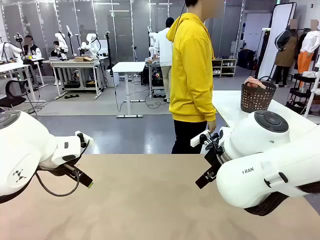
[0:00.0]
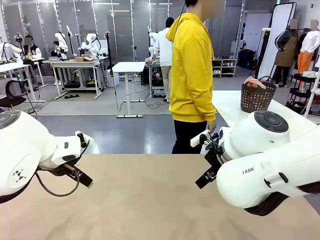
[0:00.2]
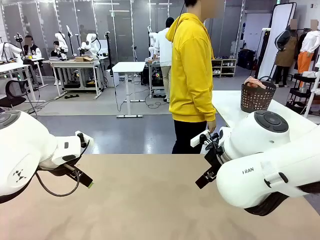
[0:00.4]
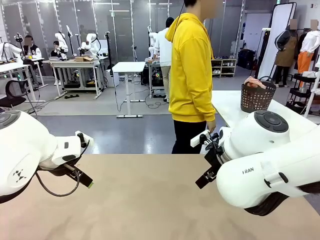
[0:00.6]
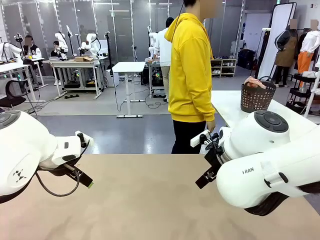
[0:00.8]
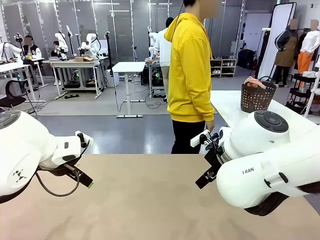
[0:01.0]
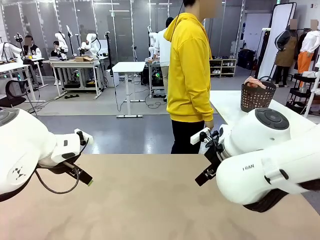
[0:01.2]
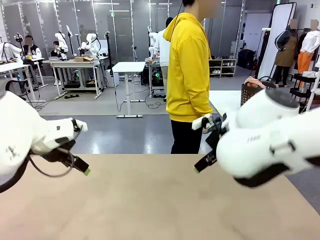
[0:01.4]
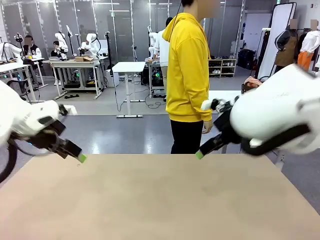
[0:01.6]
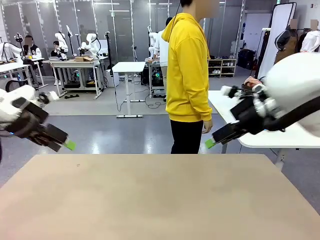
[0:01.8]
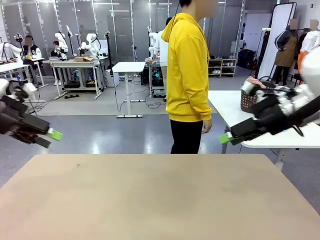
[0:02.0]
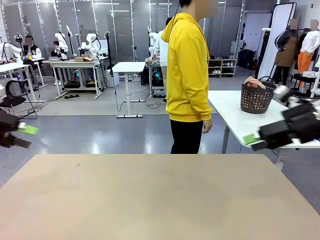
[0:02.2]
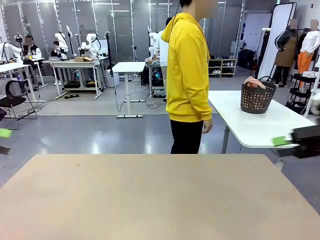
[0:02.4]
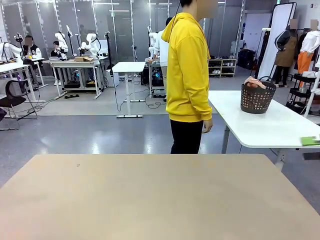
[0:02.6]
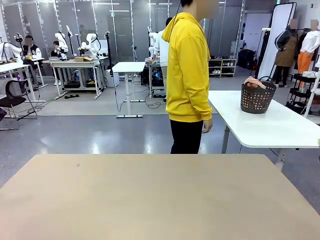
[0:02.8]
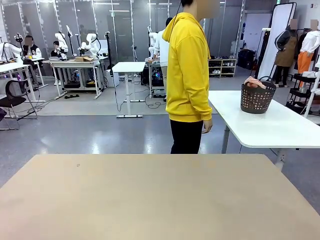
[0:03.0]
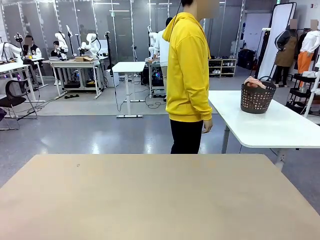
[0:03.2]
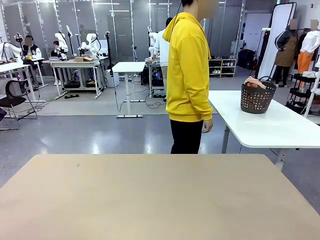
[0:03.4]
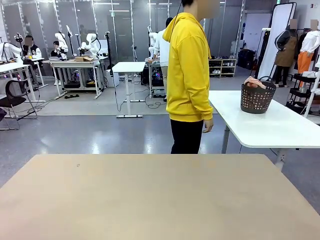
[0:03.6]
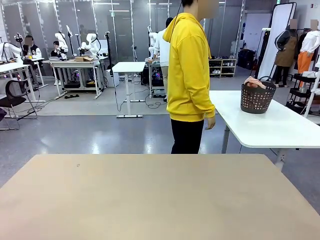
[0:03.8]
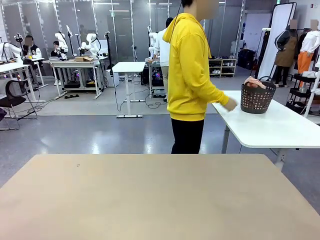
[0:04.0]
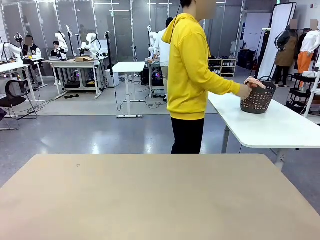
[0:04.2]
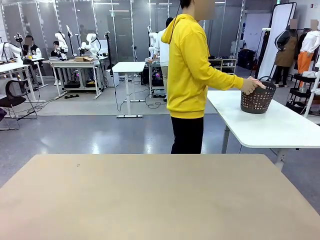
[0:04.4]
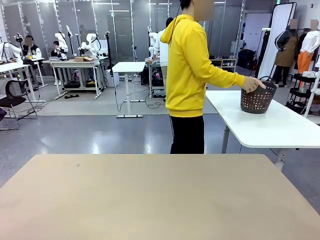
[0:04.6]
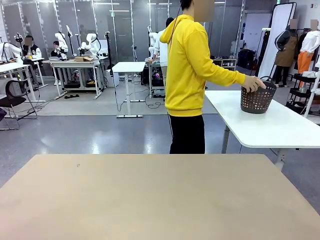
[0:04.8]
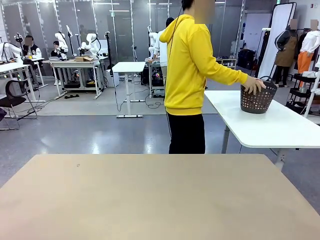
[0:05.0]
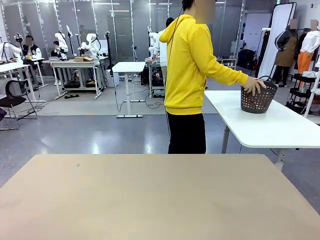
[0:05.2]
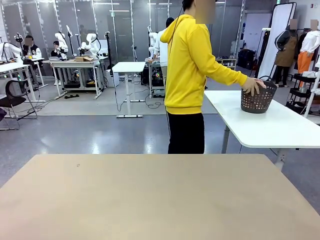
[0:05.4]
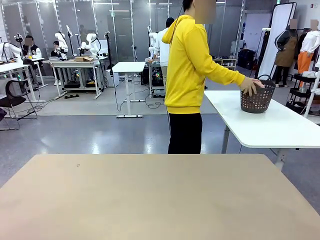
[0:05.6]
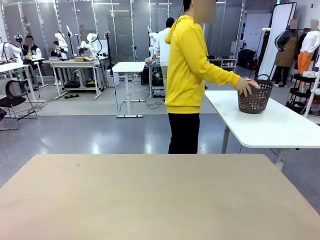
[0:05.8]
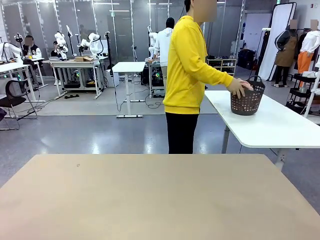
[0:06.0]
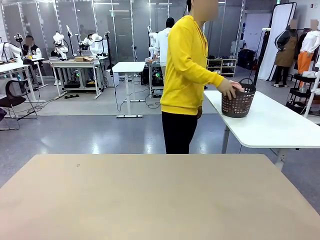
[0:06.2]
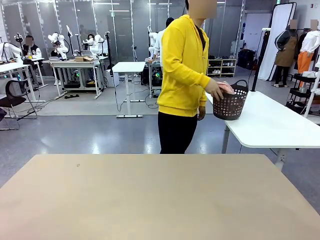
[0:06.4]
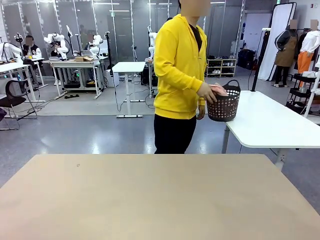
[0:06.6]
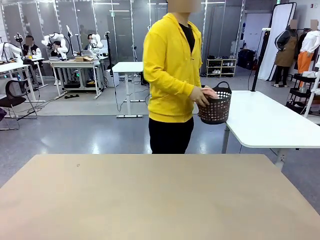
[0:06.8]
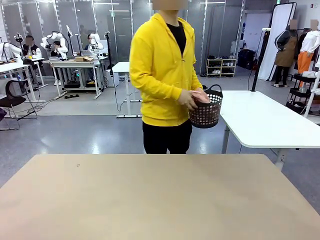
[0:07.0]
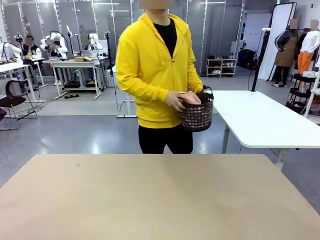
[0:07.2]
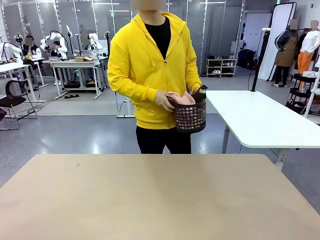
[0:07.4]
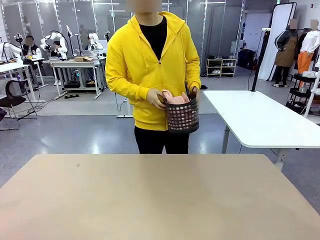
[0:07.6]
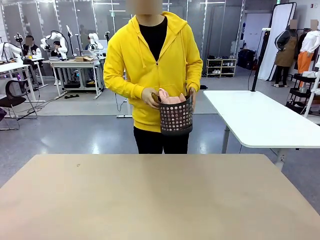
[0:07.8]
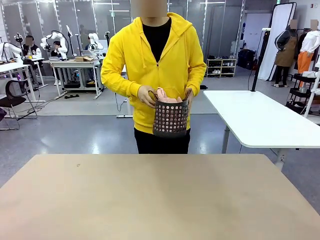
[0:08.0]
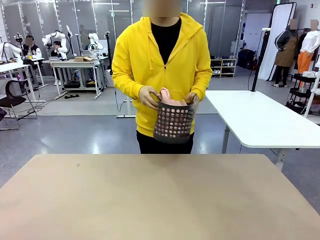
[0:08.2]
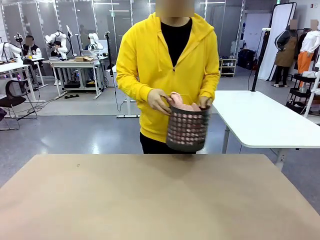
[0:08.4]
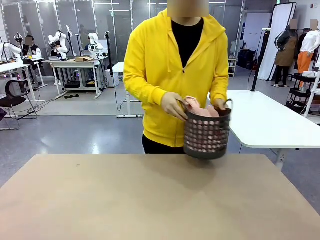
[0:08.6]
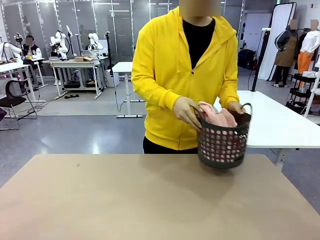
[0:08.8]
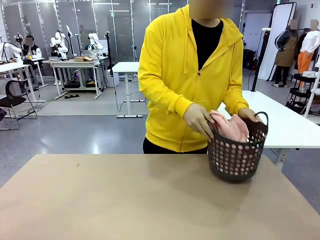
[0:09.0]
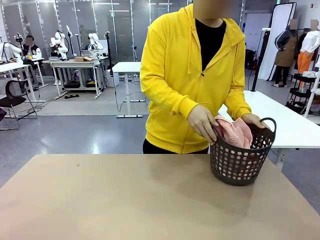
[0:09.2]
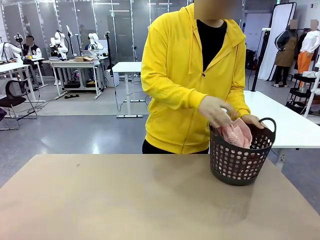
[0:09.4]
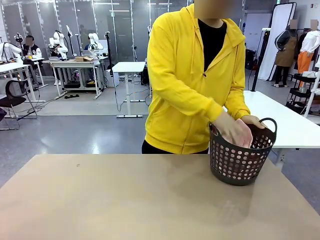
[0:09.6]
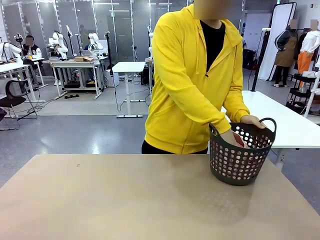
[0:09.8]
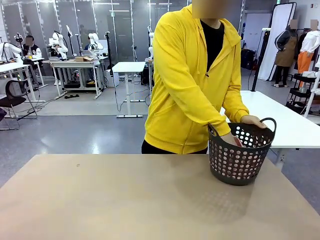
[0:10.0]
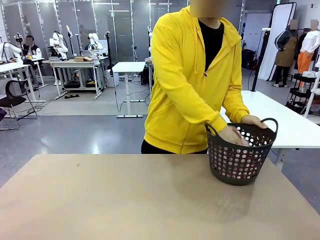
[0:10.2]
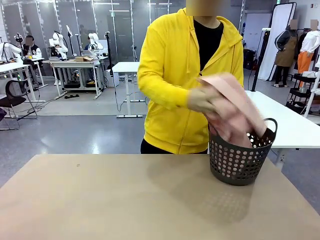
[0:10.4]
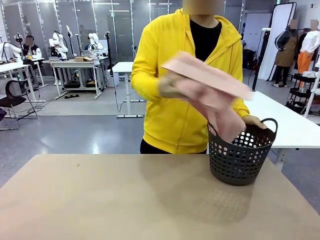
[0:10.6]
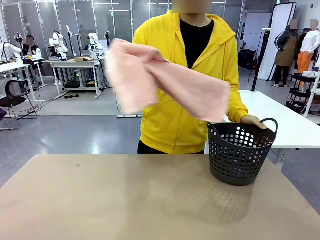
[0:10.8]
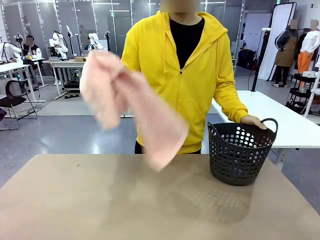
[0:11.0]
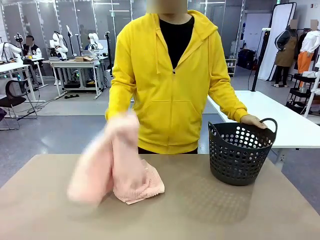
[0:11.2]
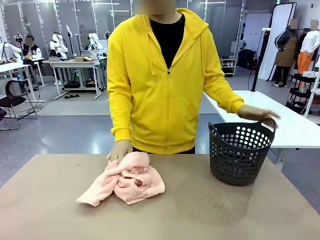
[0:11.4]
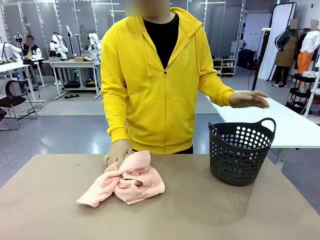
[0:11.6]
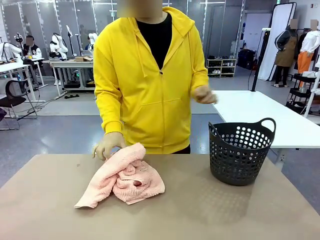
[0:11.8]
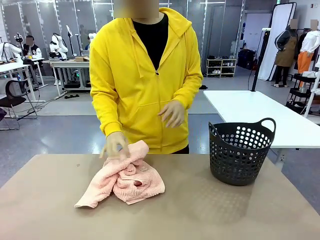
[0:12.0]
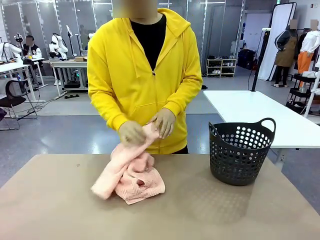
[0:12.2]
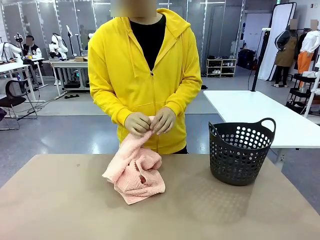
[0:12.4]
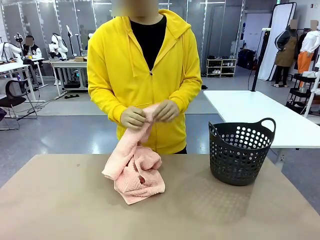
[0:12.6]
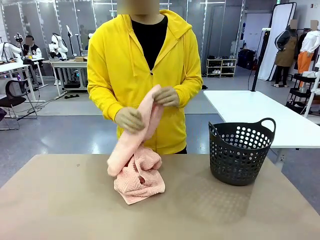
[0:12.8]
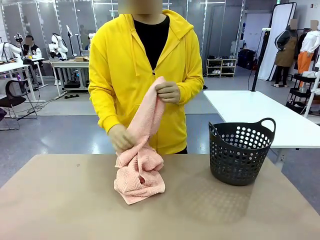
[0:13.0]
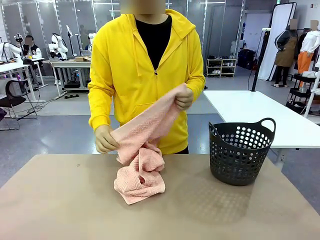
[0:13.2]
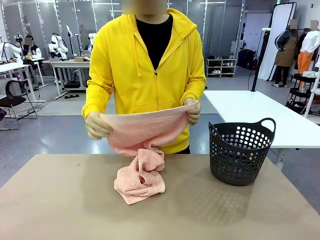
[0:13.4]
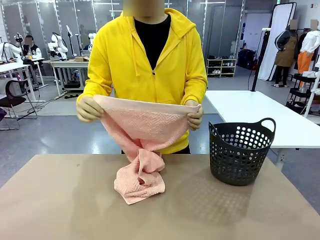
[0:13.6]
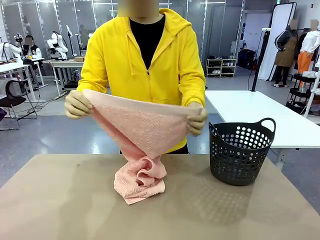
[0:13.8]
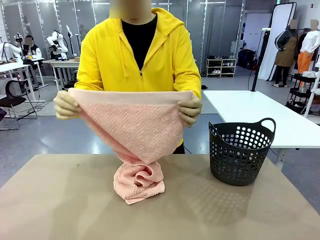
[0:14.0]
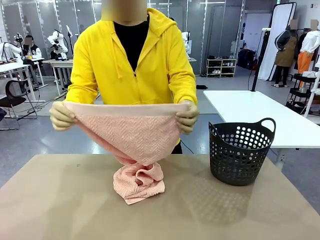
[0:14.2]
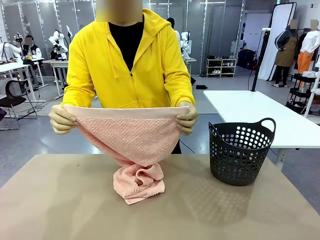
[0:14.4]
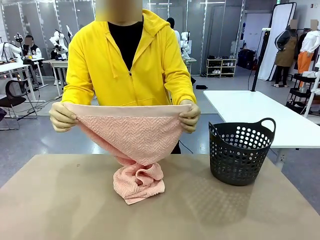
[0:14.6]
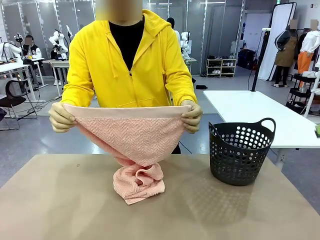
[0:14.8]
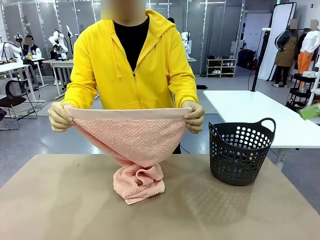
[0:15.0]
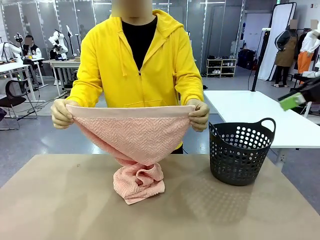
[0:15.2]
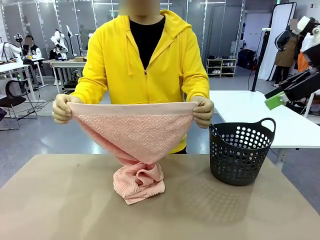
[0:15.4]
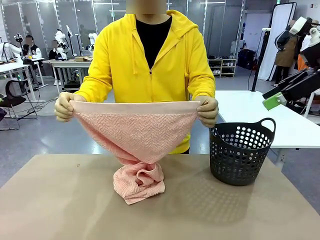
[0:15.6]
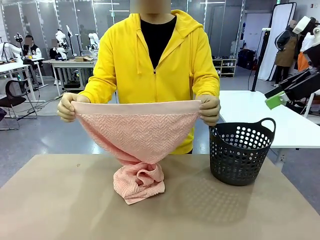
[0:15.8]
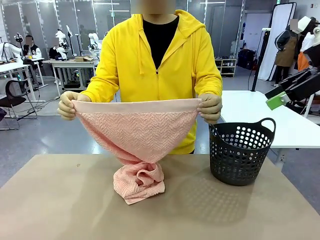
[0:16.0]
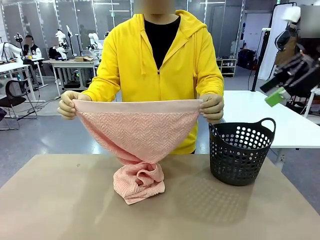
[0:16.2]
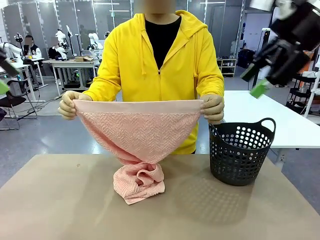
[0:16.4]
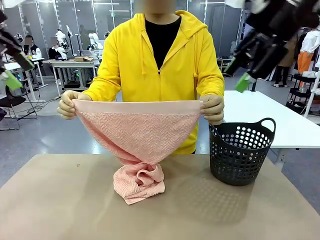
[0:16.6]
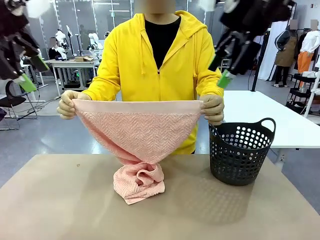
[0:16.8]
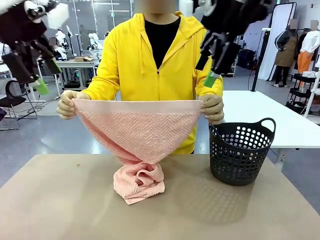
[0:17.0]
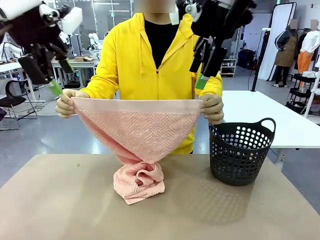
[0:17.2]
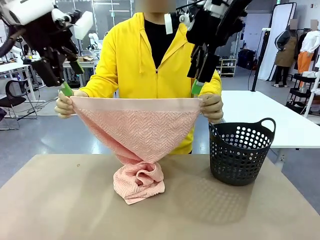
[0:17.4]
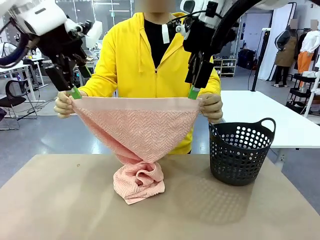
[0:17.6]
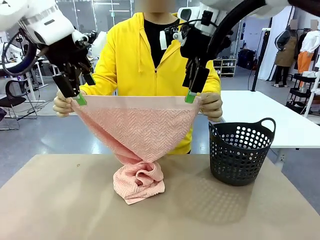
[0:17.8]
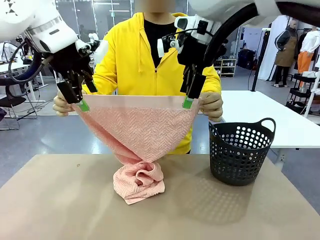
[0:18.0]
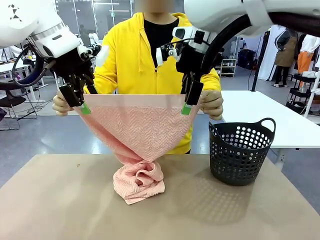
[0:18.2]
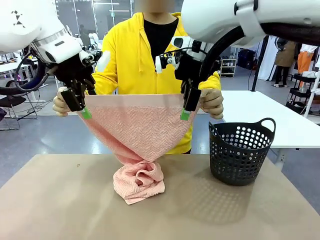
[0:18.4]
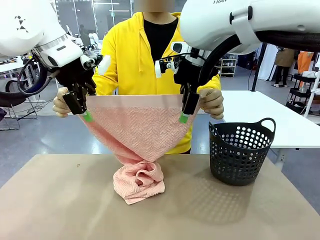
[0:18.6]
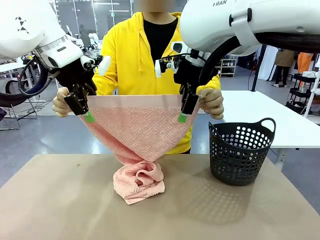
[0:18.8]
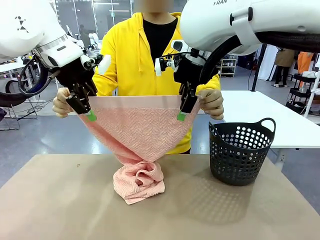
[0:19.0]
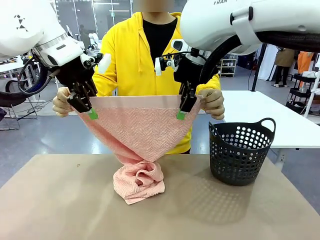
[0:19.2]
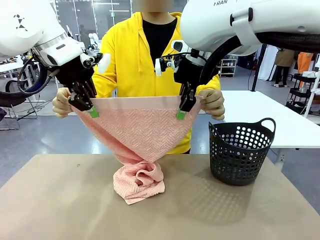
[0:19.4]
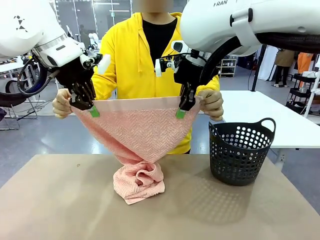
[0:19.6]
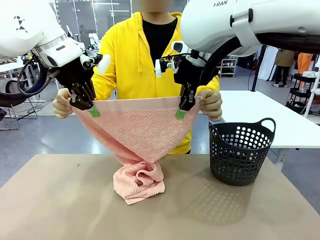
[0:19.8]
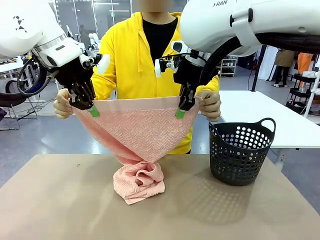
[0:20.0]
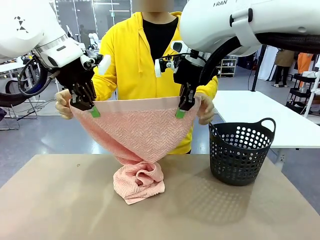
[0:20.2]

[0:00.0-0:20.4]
Task: Fold the towel.
Robot: Grab the top end of the 100 cm Hotel Towel extended by the human.
Person: Pick up the laundry basket, place it on the left side of the robot table, then take out a towel and hand it to the robot while holding both corners of one end.
